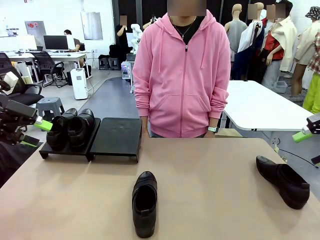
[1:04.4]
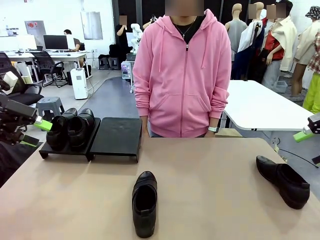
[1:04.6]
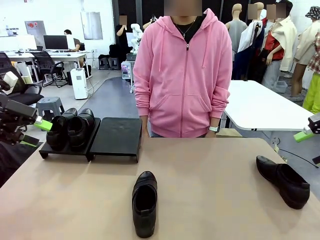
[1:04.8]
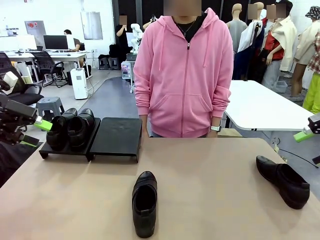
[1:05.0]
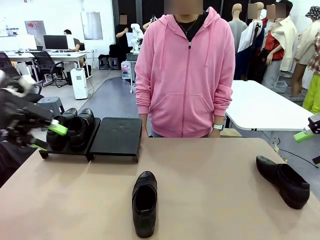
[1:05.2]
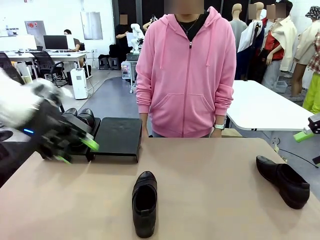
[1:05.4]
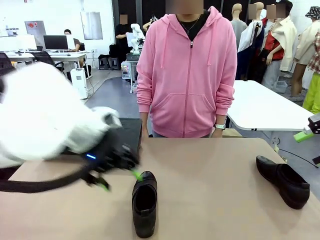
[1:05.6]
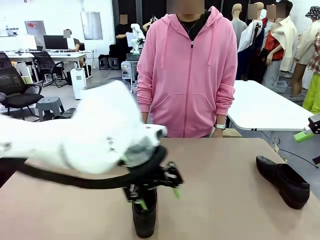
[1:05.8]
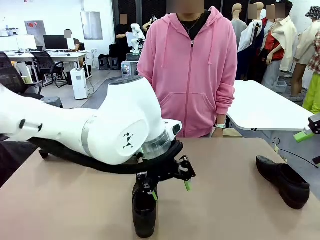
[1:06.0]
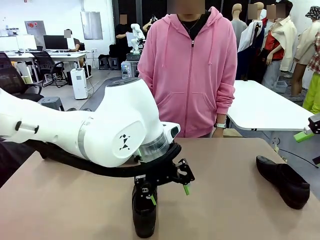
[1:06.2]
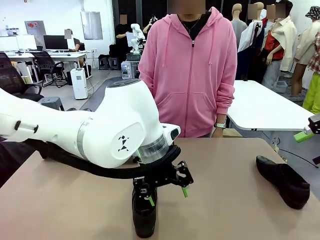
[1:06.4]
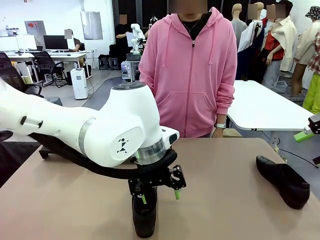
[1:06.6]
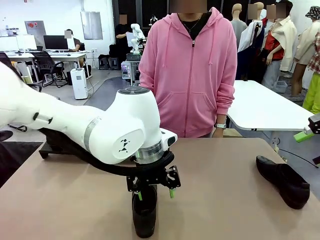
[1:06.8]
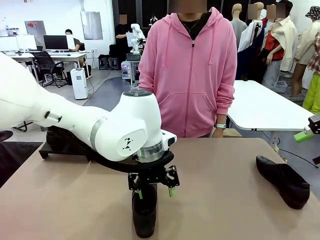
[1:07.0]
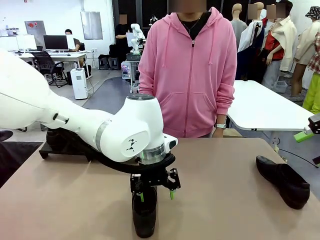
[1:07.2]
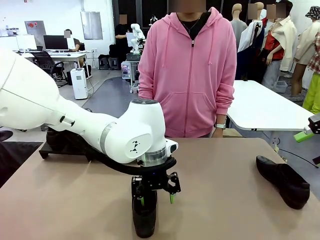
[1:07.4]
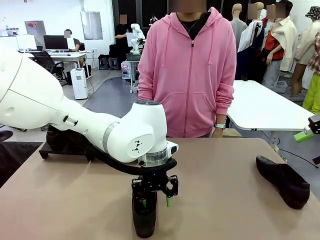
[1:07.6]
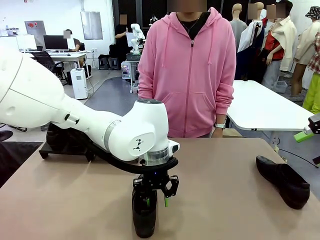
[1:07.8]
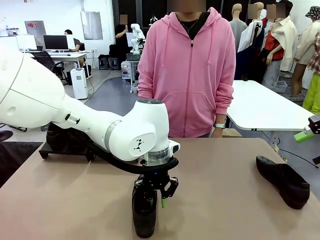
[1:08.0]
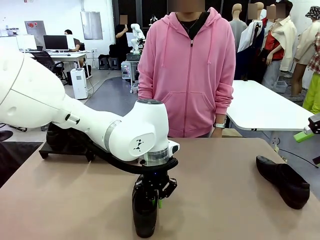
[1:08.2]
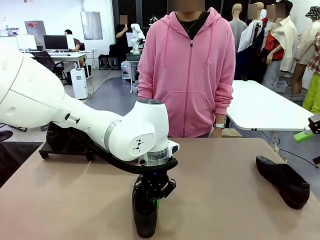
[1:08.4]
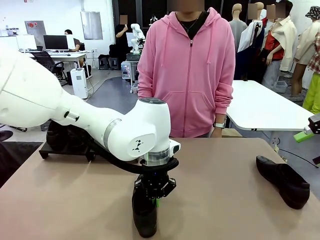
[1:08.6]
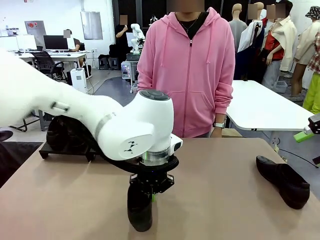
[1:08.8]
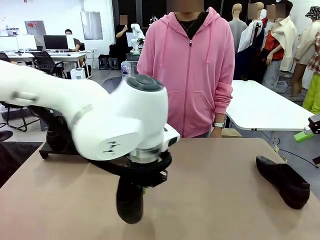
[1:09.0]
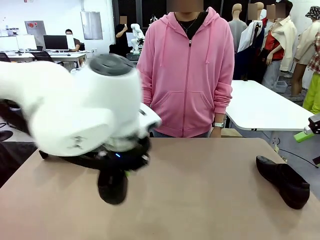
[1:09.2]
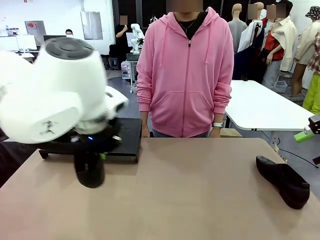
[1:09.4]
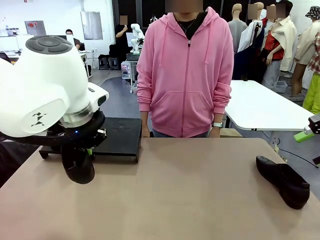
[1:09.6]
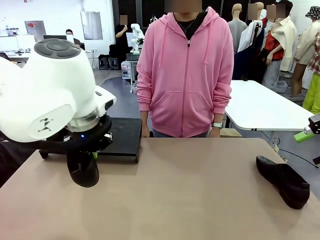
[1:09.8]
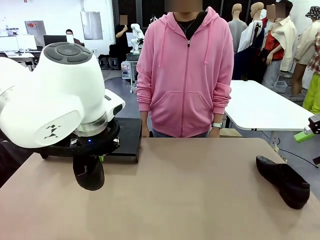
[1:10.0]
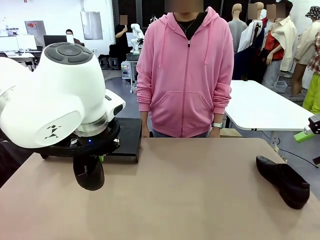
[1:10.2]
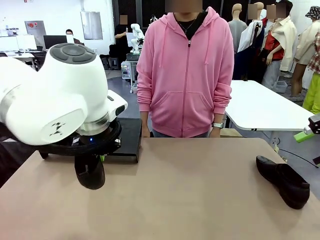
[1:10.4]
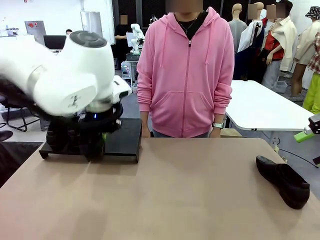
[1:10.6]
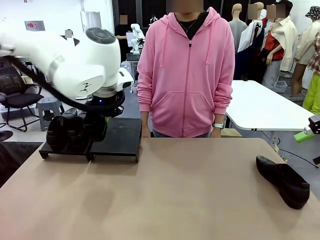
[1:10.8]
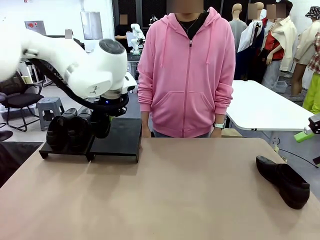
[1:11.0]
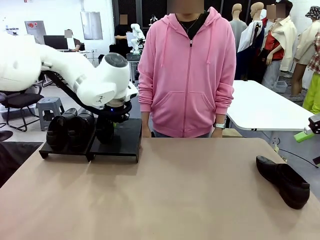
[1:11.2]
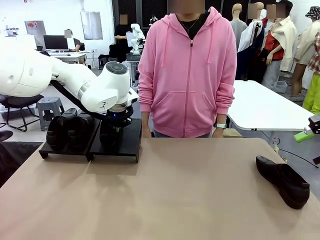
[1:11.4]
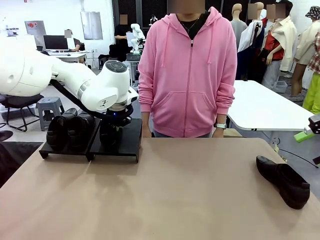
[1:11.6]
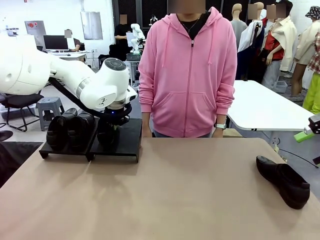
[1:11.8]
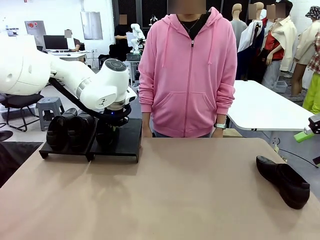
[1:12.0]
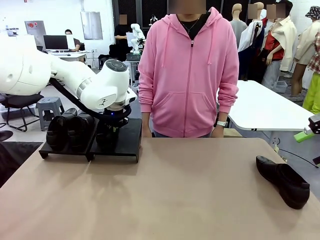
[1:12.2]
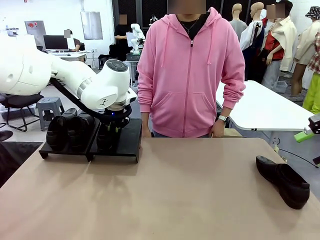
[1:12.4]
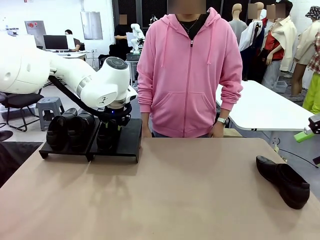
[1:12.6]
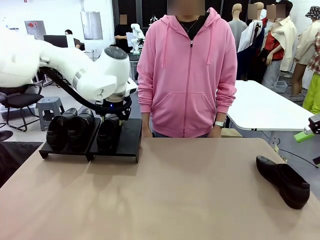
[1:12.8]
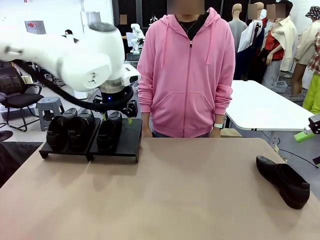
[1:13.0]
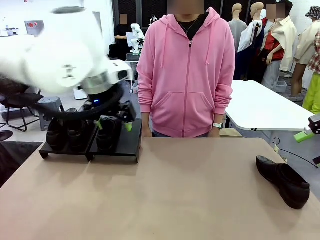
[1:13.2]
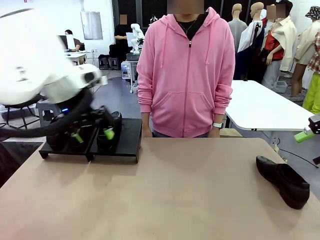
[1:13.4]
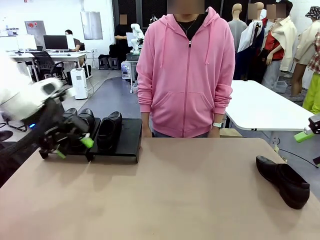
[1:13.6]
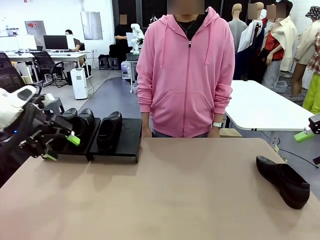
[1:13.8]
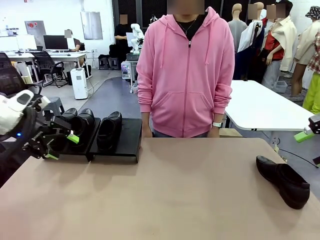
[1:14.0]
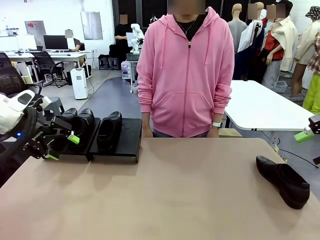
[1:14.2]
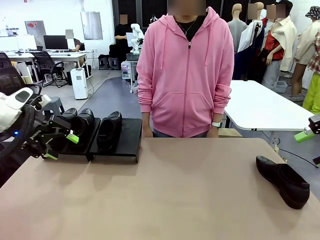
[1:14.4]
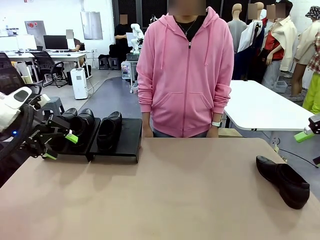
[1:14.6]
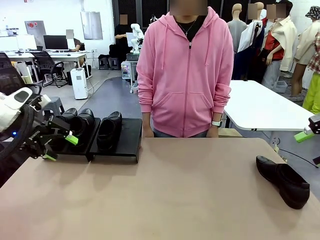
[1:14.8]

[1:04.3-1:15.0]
Task: Organize the shoes by placing them on the stand.
Robot: Place the Shoe from the middle of the table onto the Shoes Stand.

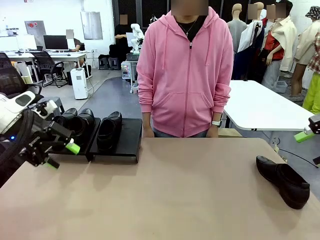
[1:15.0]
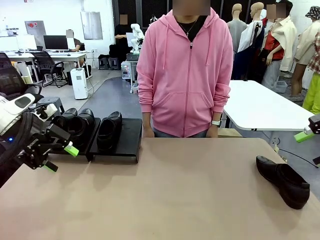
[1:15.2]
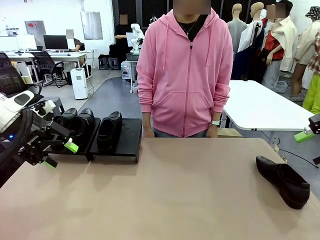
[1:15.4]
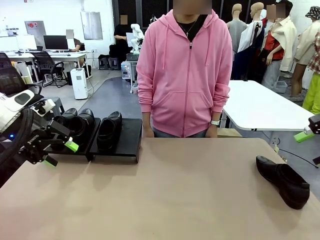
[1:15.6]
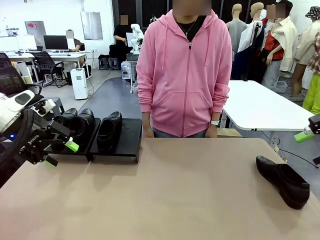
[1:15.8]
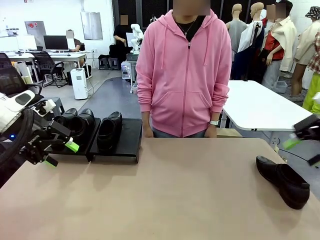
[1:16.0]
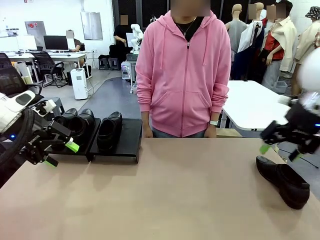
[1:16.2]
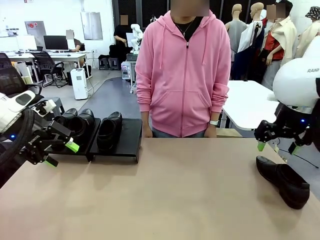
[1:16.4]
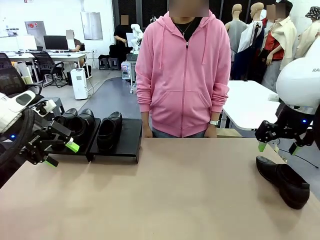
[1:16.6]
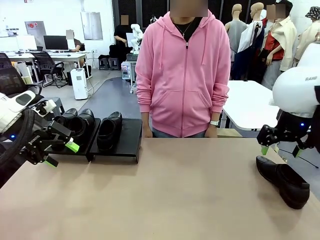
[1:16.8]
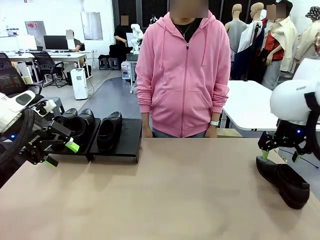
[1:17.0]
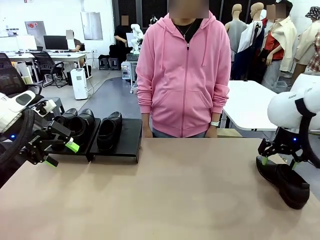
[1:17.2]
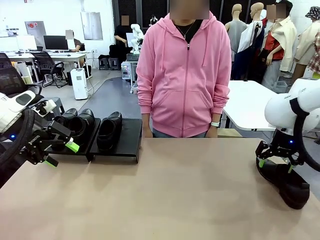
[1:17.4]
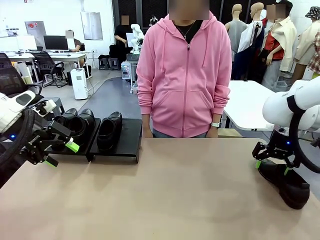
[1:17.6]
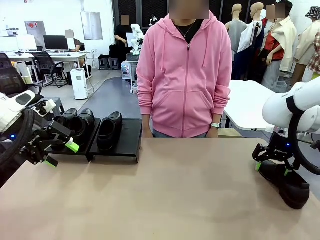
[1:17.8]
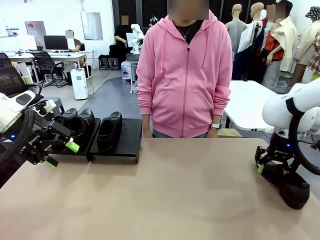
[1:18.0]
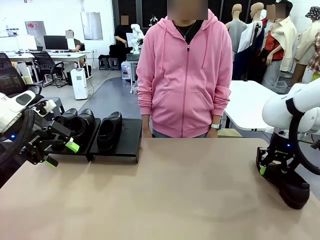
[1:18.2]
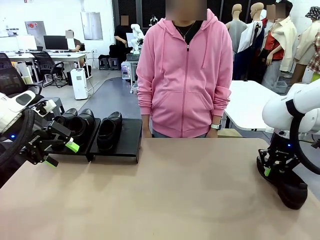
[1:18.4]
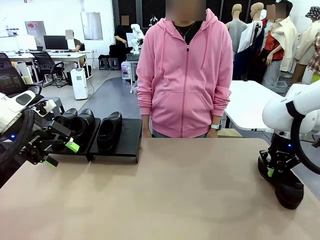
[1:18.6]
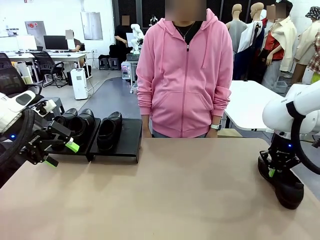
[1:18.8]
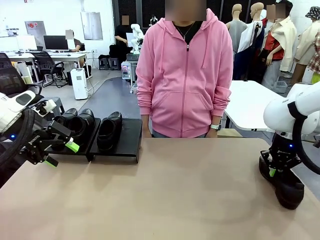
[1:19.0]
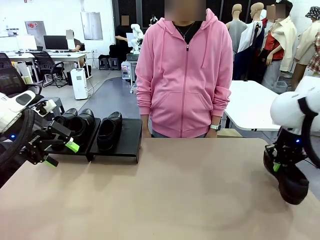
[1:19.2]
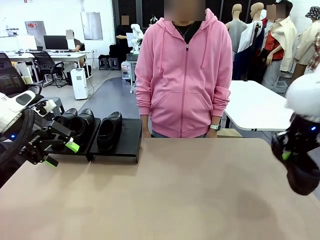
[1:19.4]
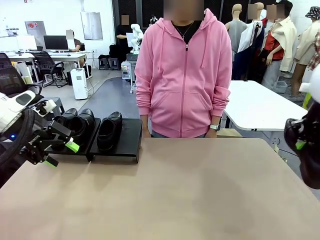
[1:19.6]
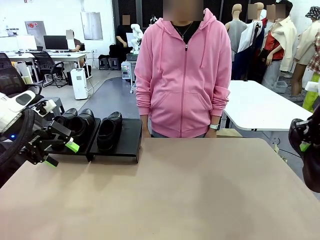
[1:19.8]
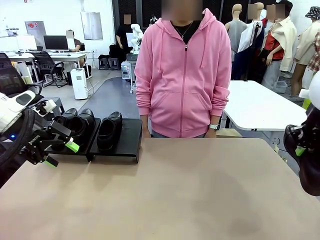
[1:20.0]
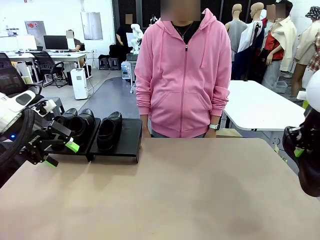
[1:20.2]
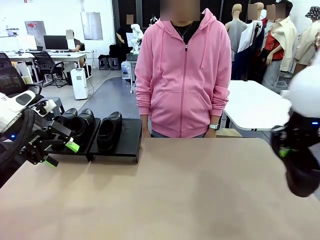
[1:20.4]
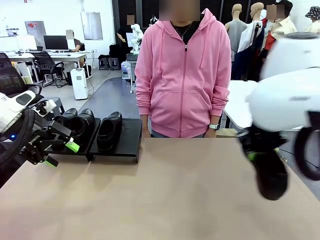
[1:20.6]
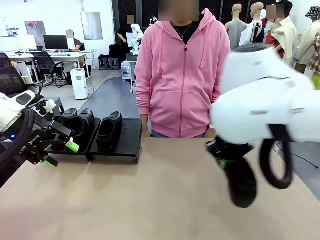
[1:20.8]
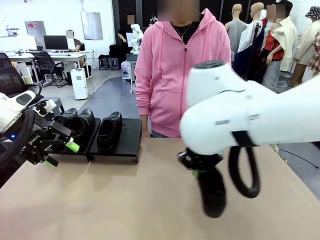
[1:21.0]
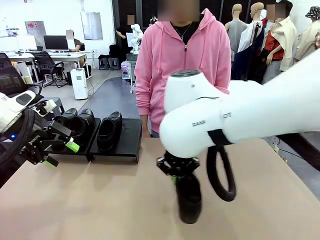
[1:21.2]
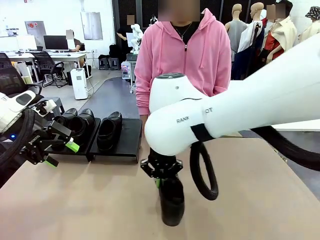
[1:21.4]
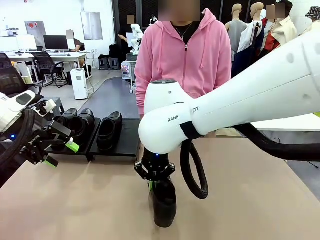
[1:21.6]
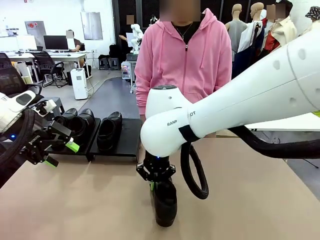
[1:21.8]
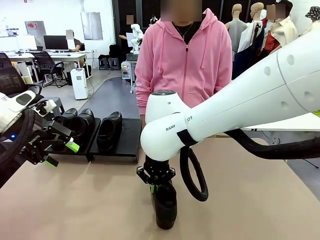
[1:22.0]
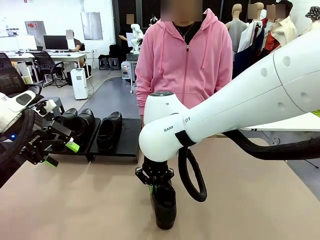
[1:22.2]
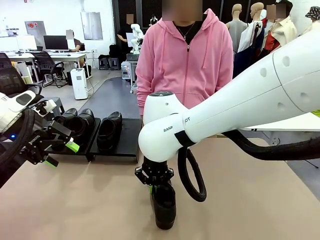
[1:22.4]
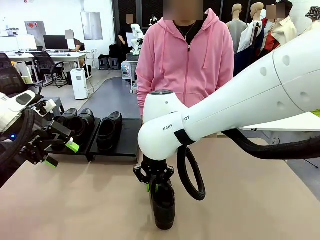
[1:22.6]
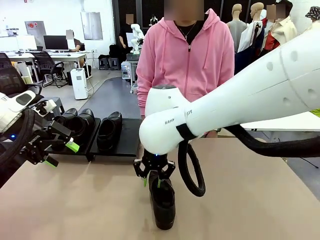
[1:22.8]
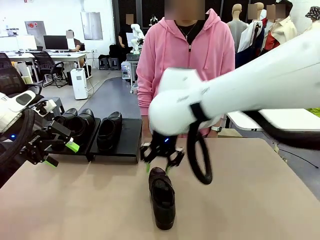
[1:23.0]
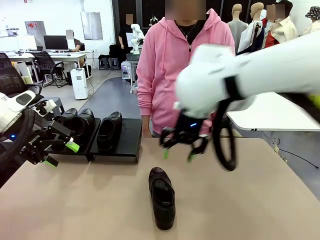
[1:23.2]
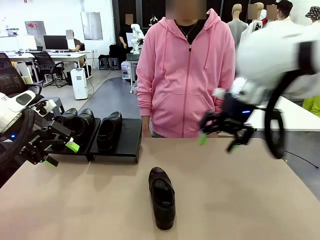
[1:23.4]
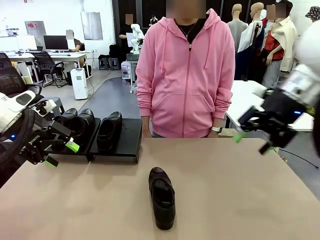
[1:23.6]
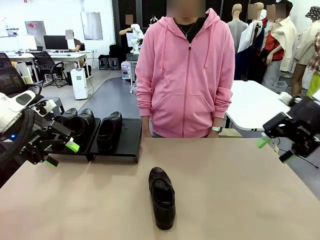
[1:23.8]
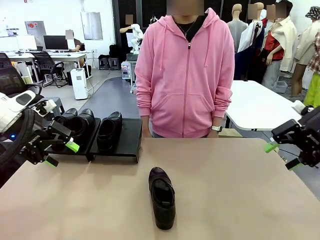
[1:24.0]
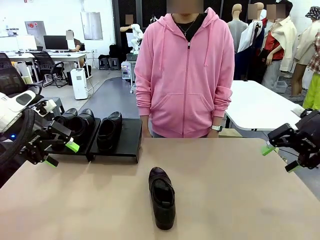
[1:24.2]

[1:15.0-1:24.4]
Robot: Pick up one Shoe and place it in the middle of the table.
